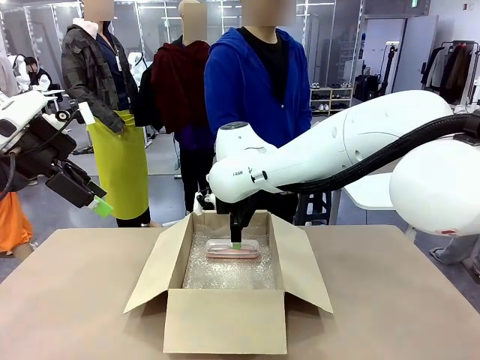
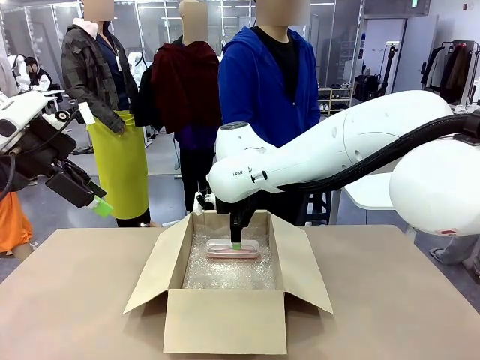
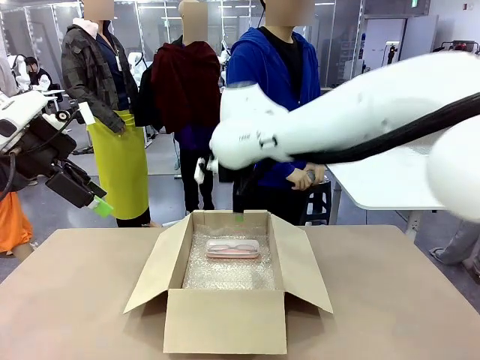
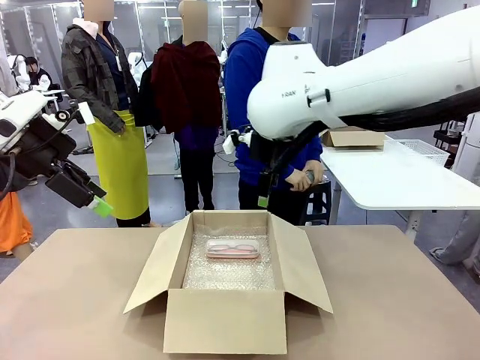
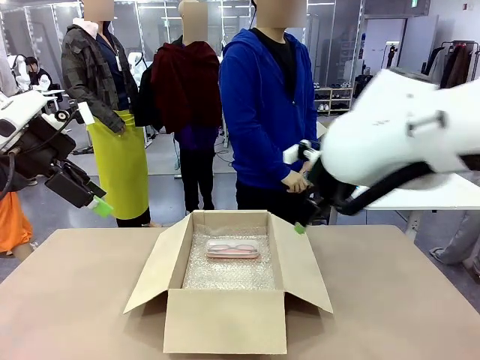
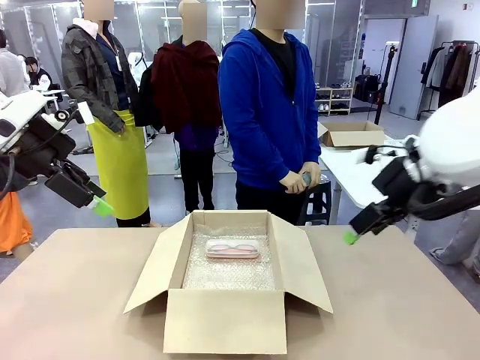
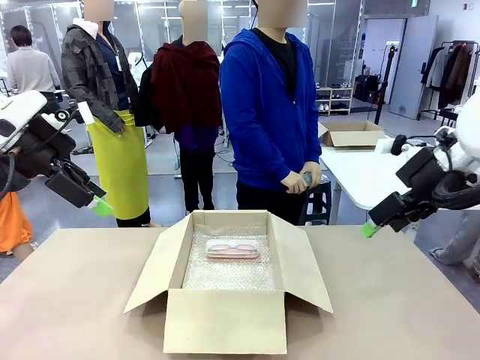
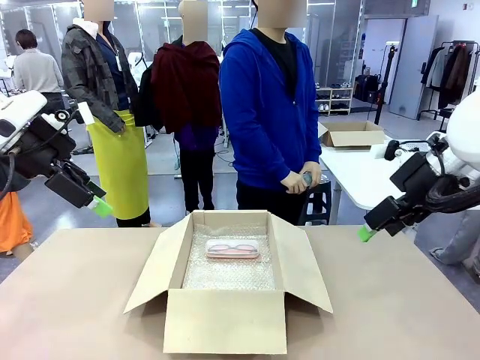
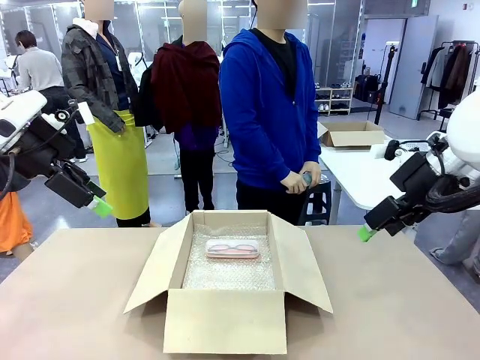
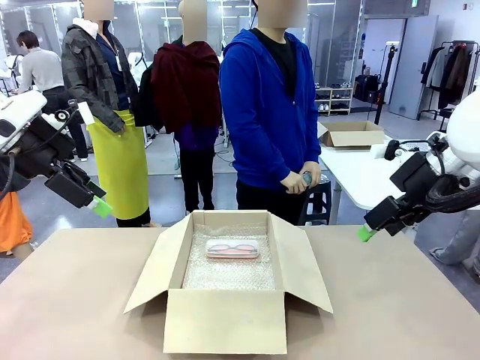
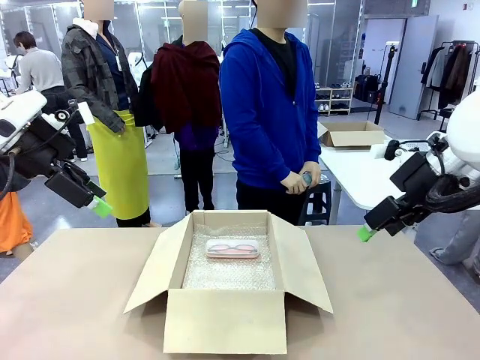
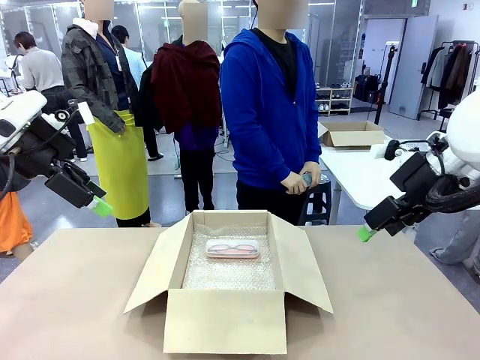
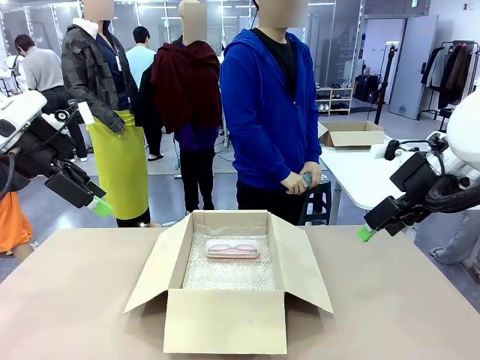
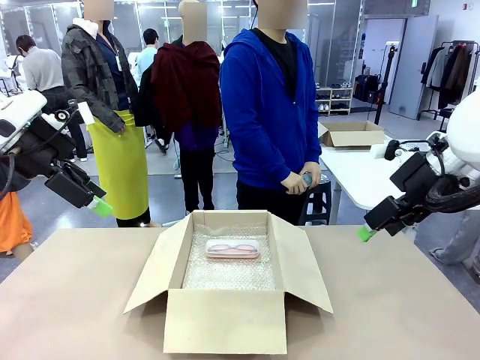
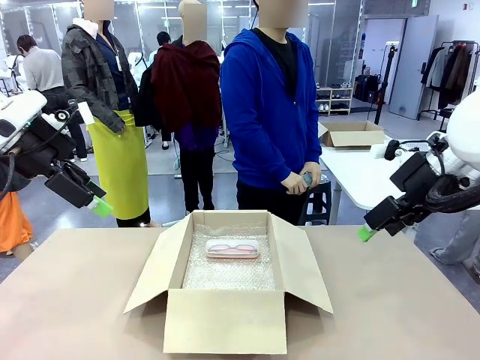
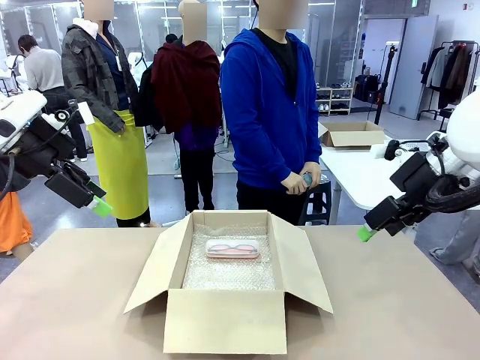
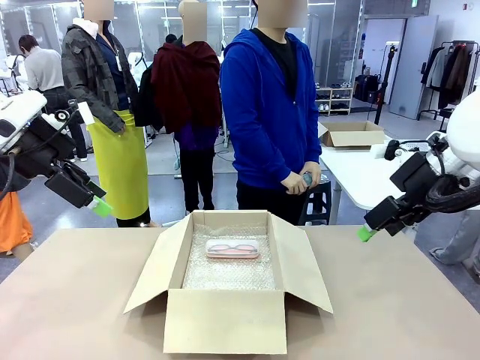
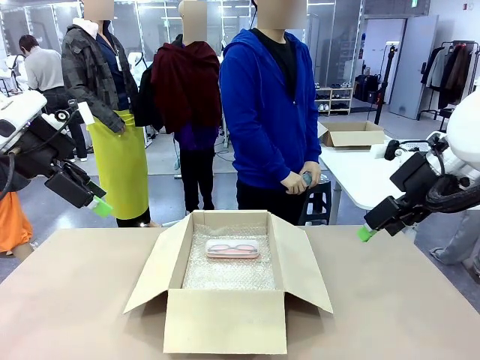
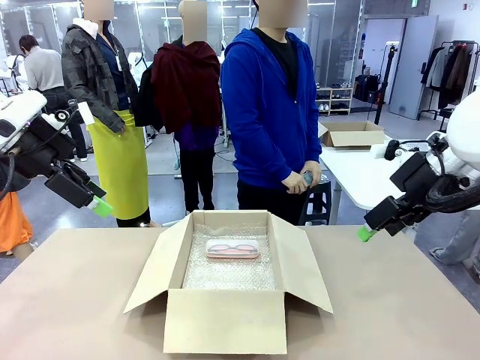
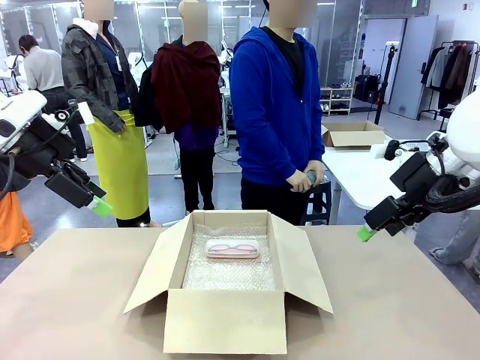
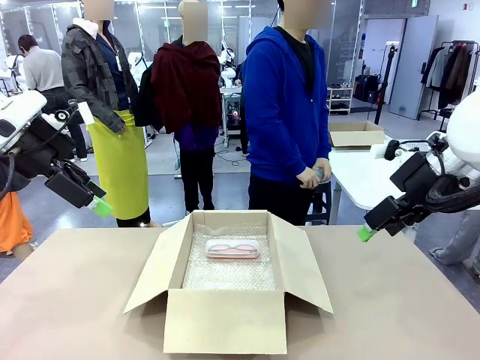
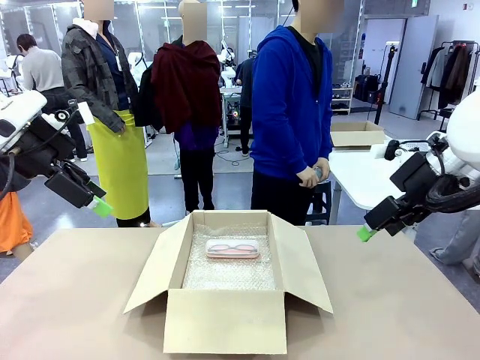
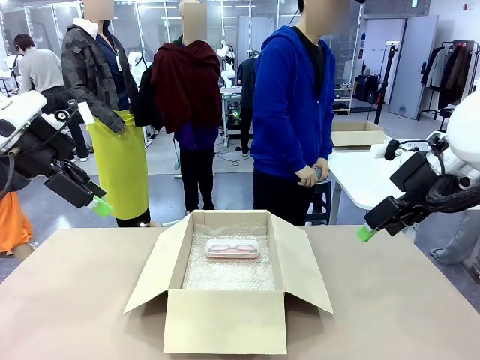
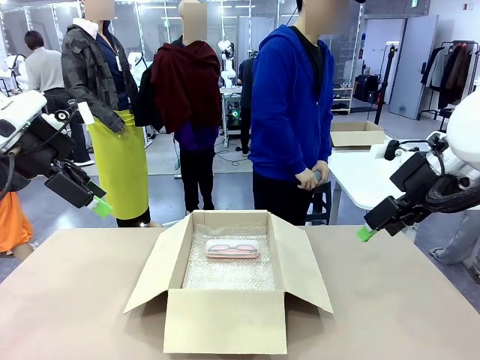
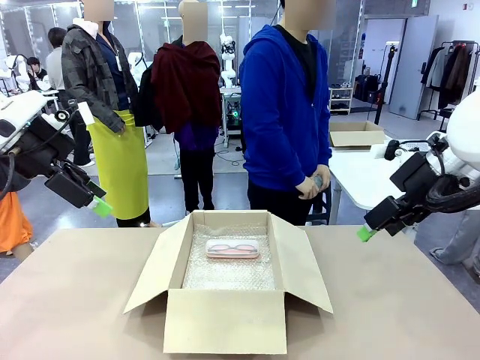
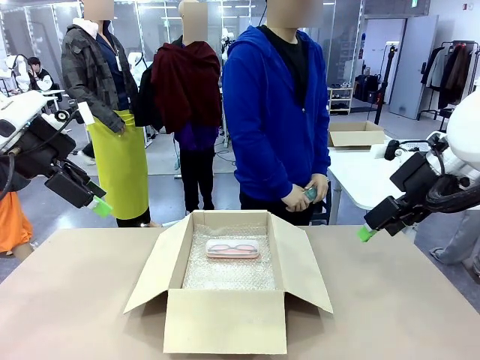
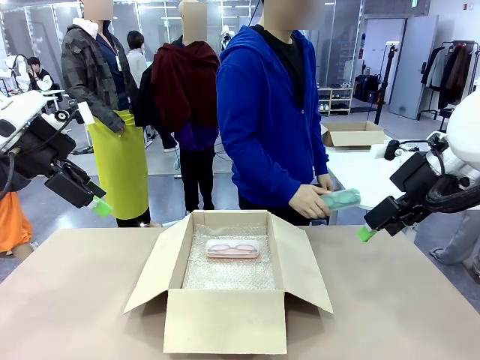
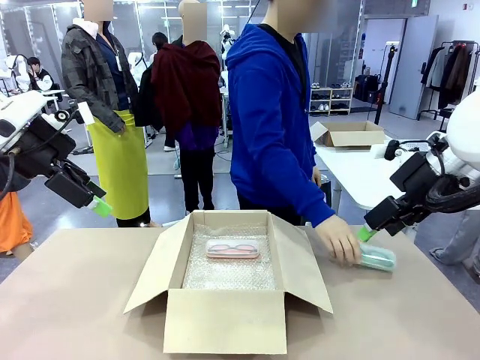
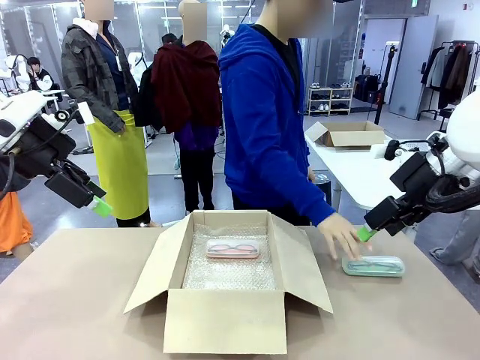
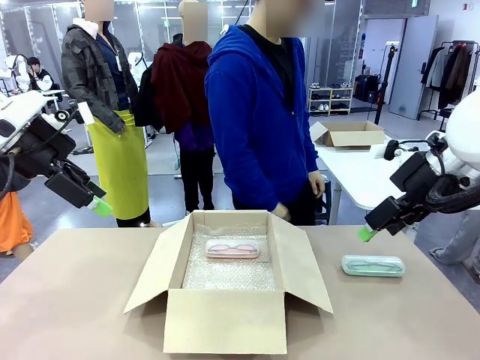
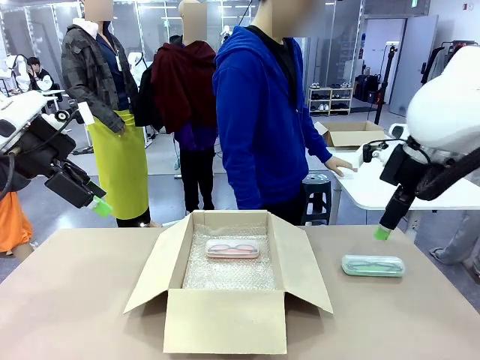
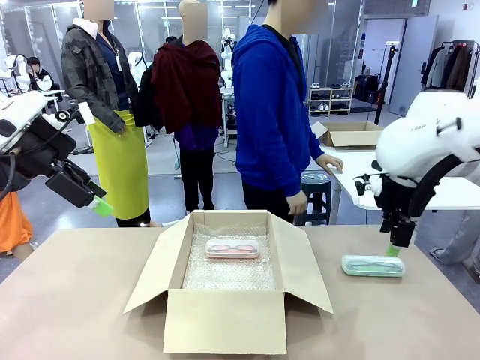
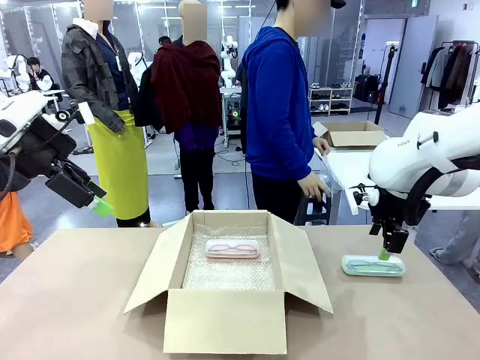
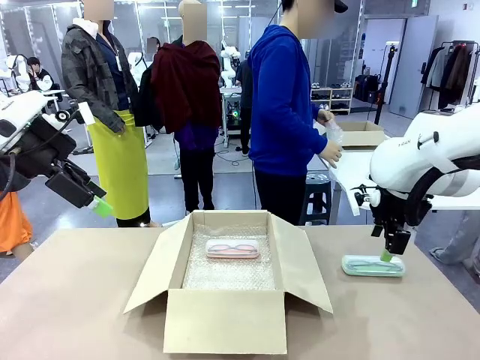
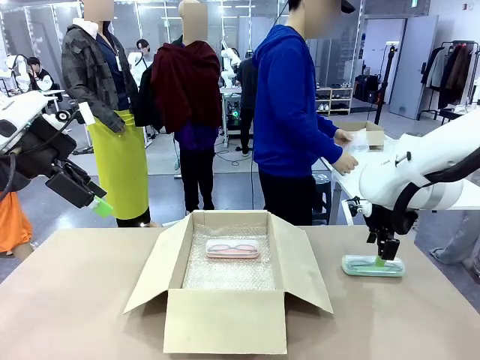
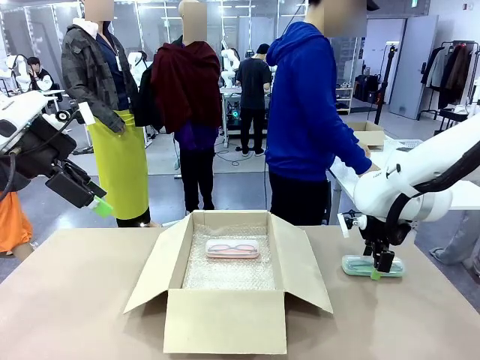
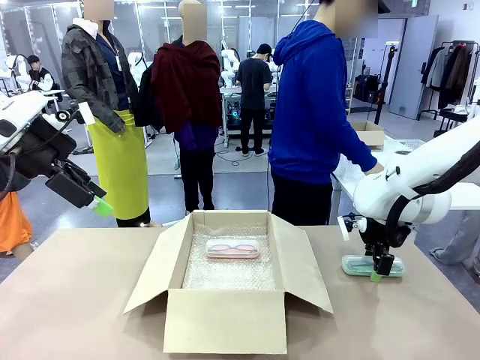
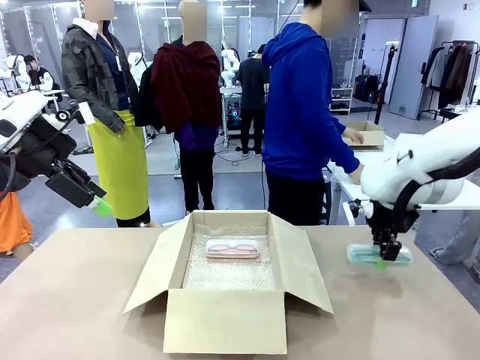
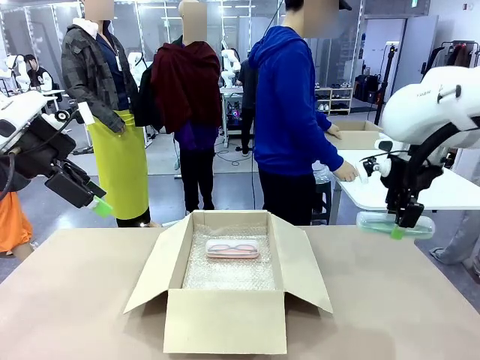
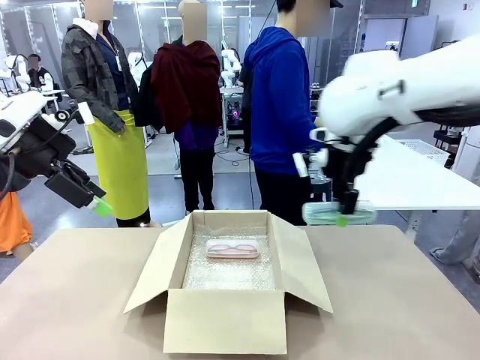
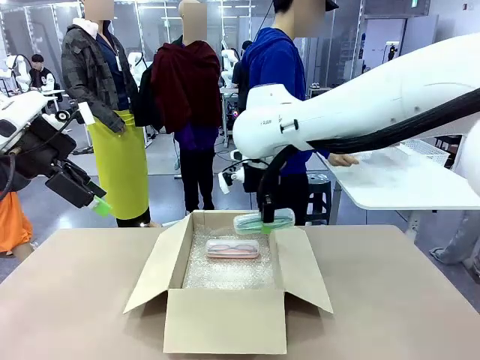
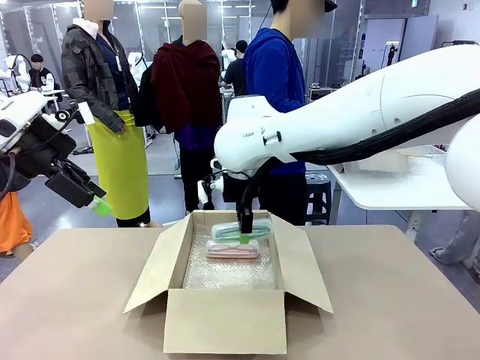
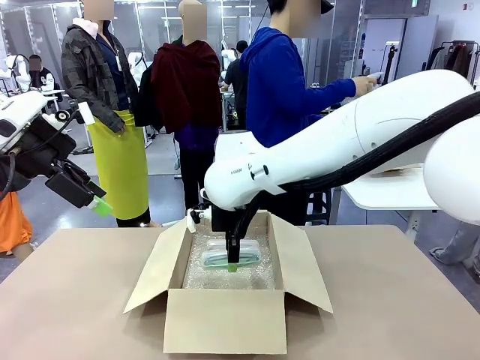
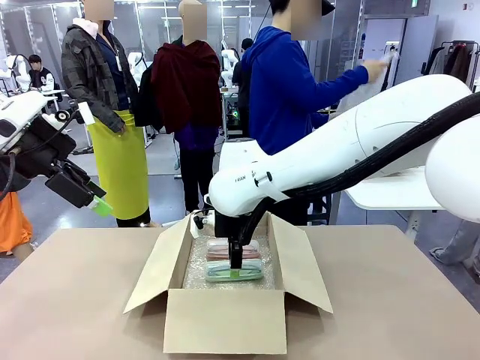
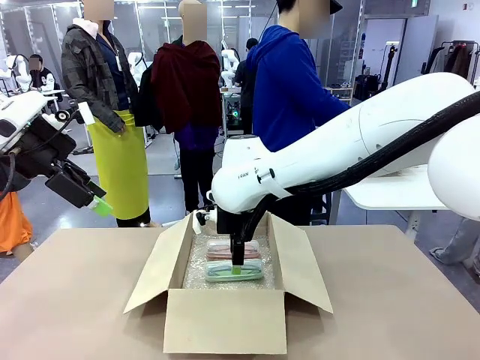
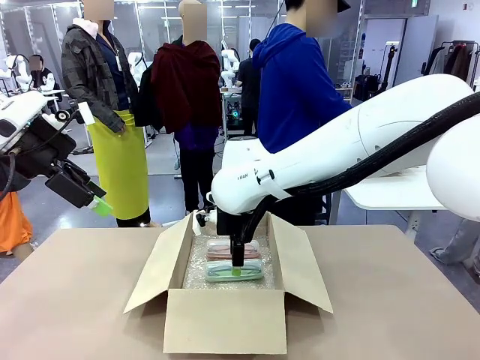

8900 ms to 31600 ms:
Task: Pack the glasses set securely to prepare it for shipping.
Robot: Put the Glasses case from the right side of the table into the Package Box.
Person: Position the Glasses case on the left side of the robot's table.
